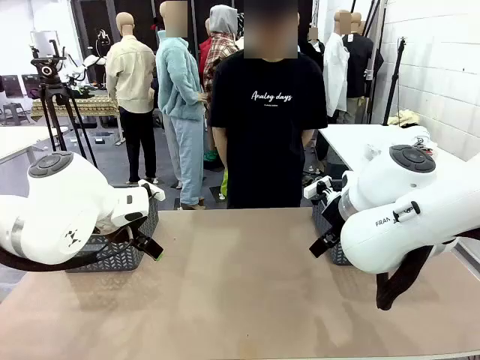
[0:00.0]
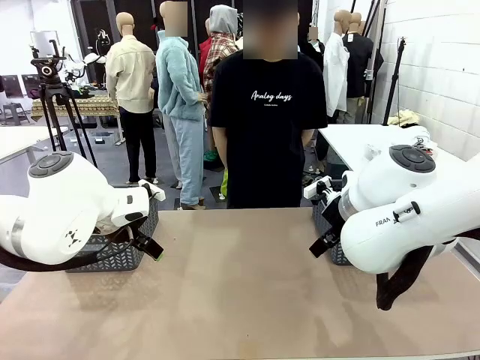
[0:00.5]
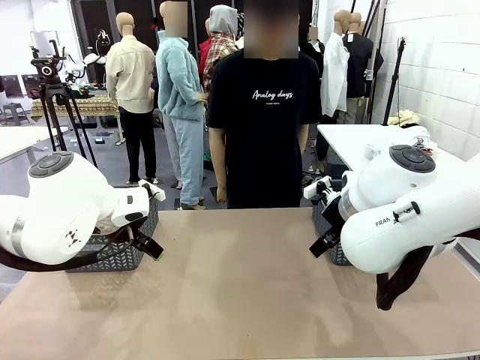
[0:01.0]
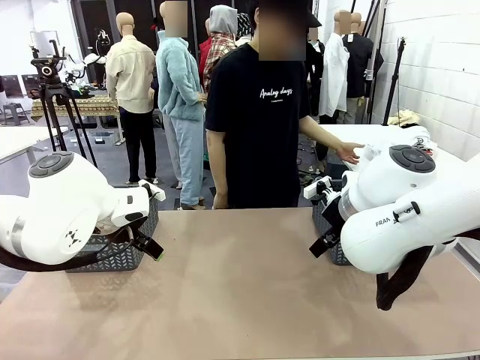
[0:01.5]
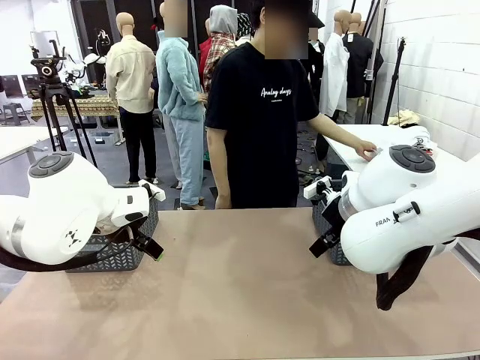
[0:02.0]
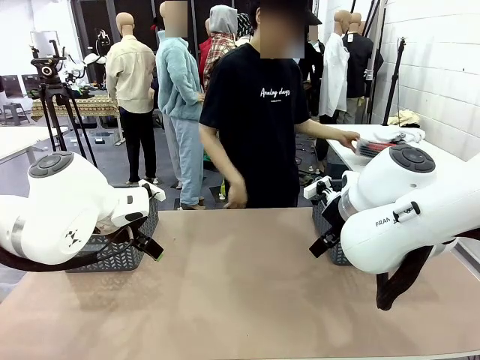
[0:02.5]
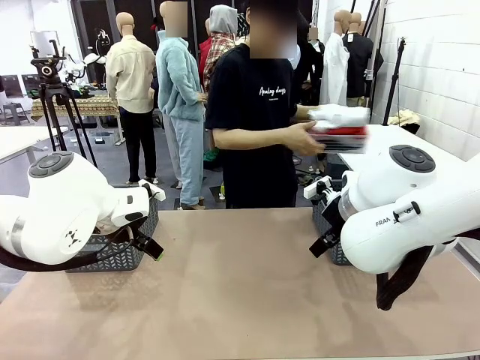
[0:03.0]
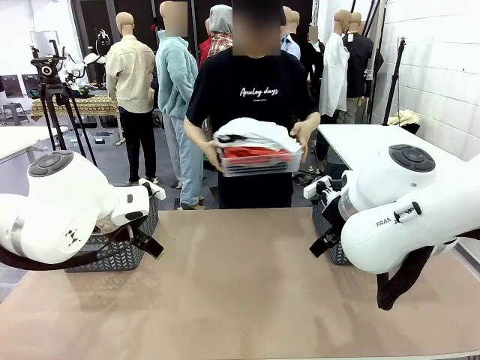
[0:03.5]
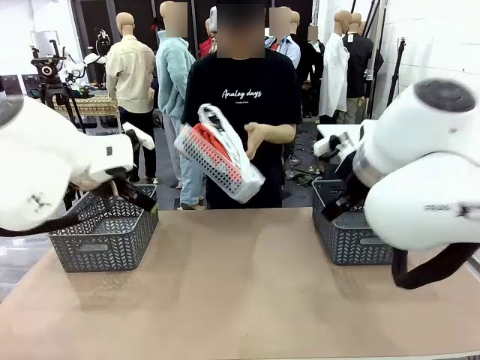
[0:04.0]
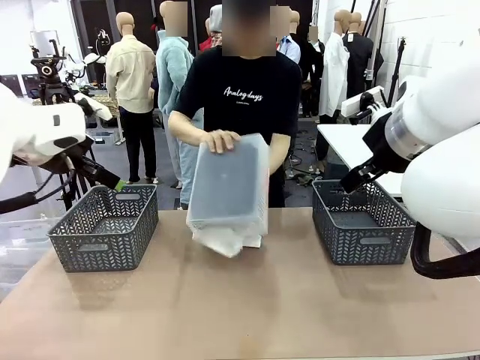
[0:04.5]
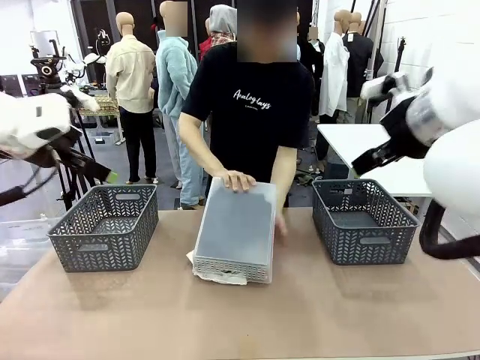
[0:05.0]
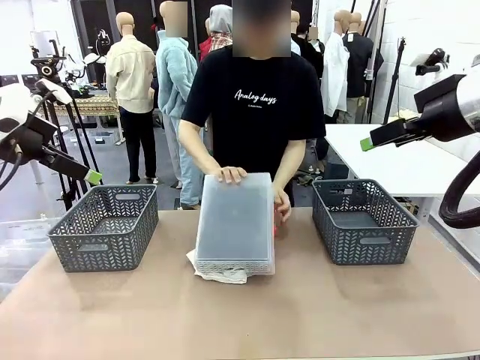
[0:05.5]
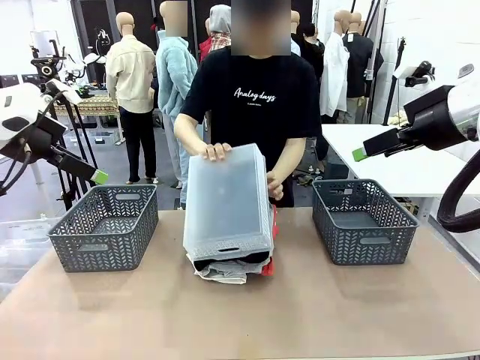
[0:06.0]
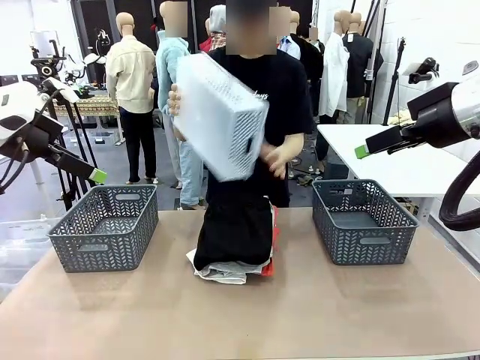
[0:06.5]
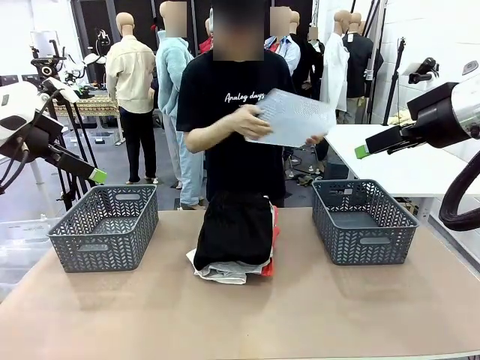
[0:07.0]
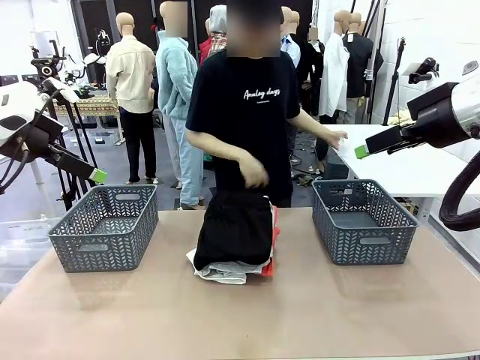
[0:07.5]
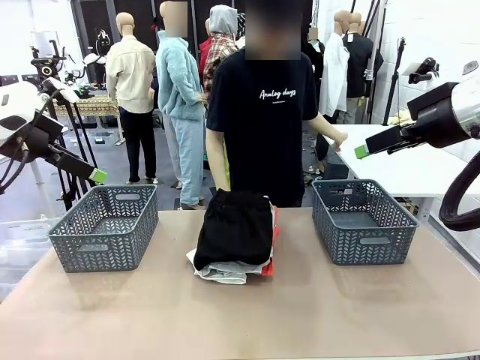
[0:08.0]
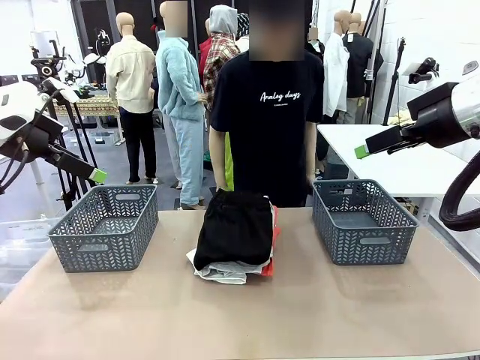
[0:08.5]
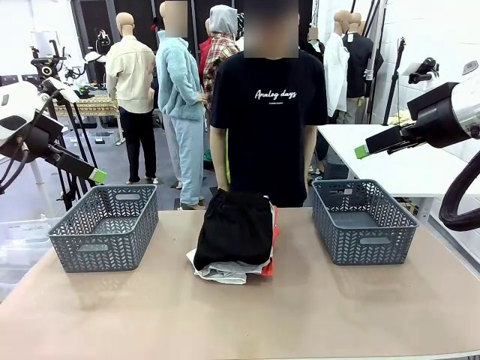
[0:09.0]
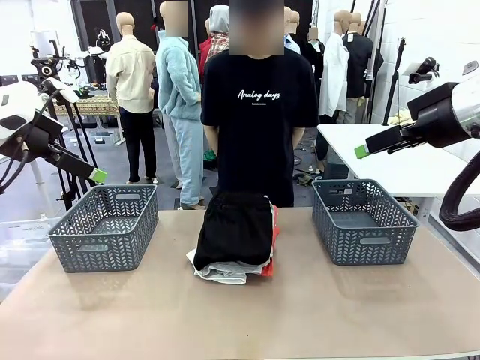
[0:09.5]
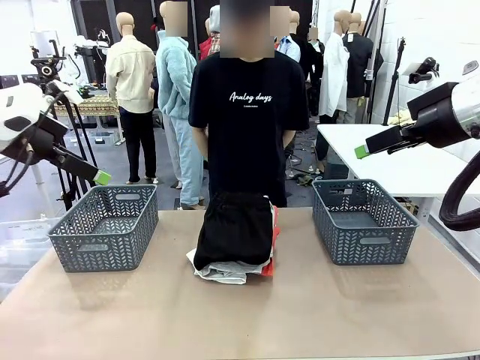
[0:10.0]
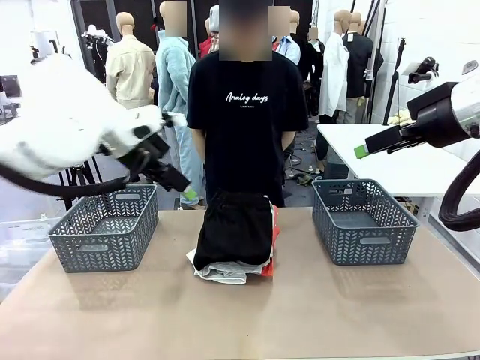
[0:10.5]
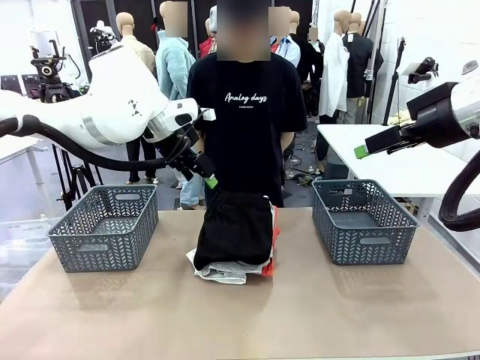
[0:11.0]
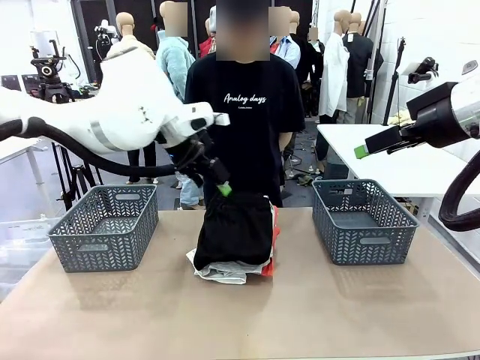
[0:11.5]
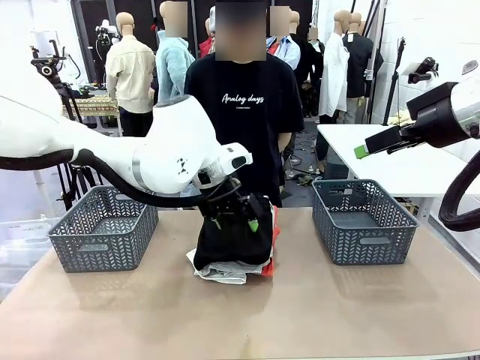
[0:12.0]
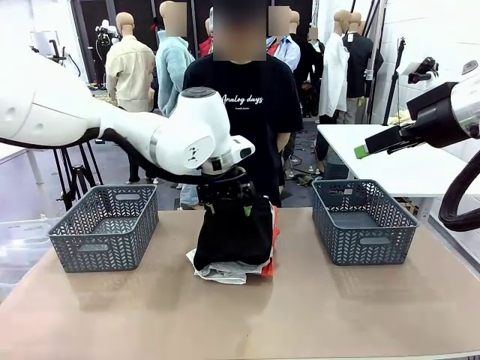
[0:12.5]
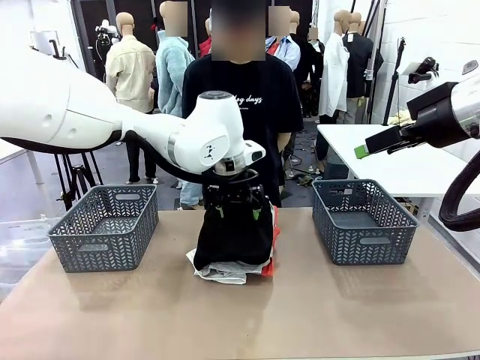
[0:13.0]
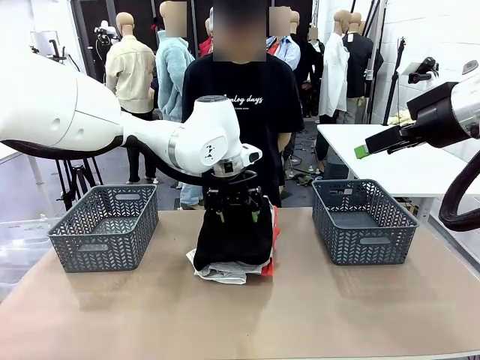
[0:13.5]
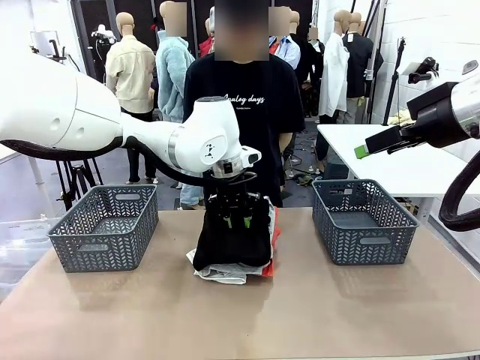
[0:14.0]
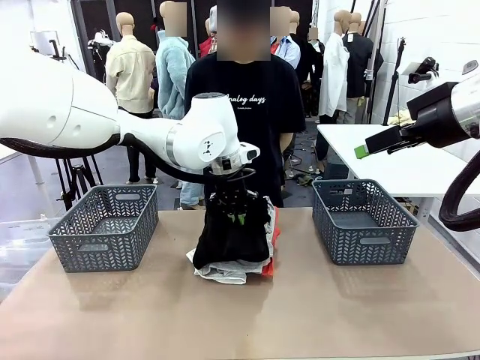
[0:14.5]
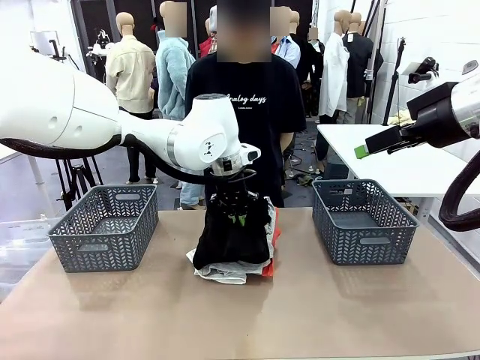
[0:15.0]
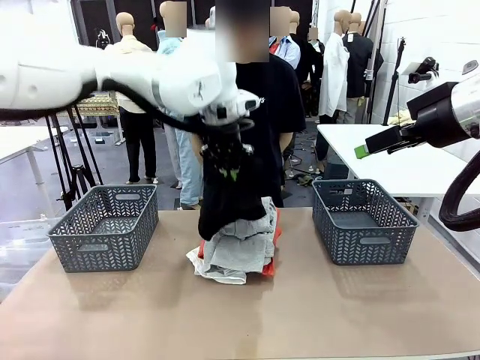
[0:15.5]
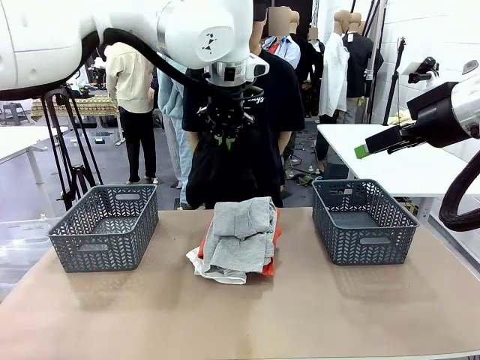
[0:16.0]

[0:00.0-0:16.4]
Task: Sort the tops and bottoms.
Robot: Lift clothes from the center of the table with your left hand.
Person: Pour the clothes from the basket onto the center of the robot table.

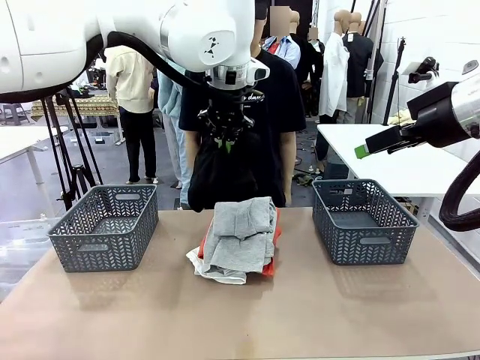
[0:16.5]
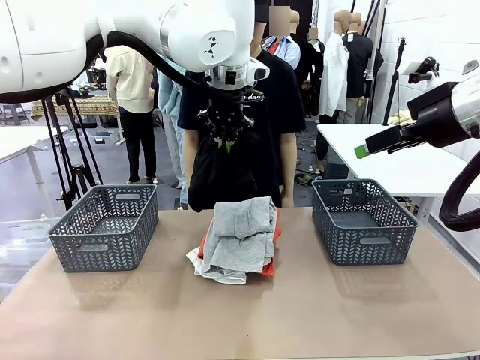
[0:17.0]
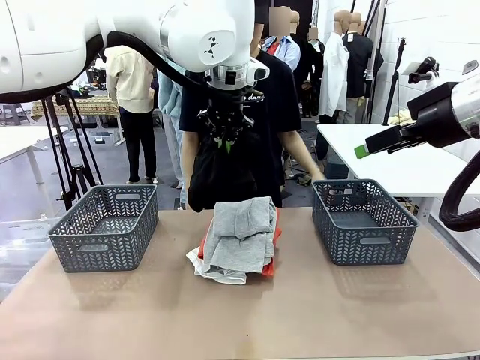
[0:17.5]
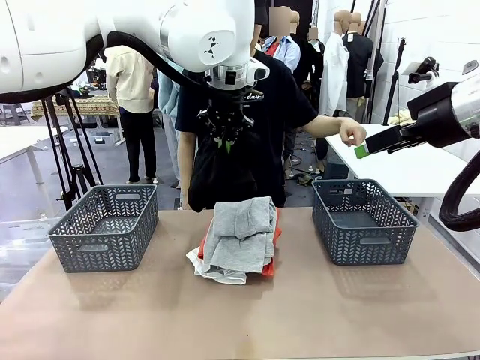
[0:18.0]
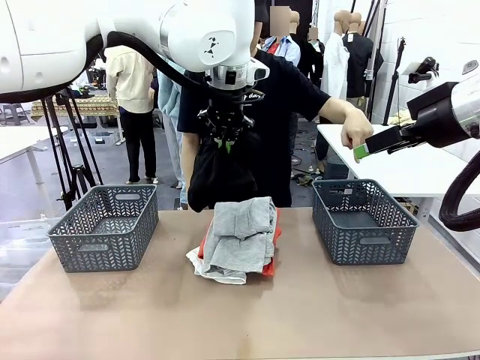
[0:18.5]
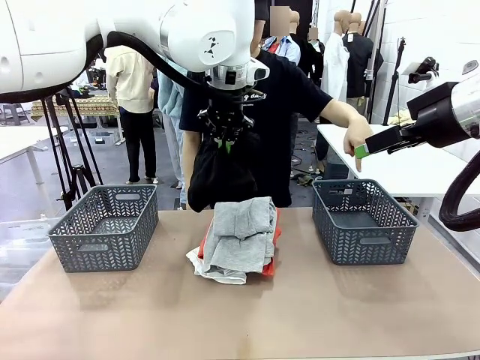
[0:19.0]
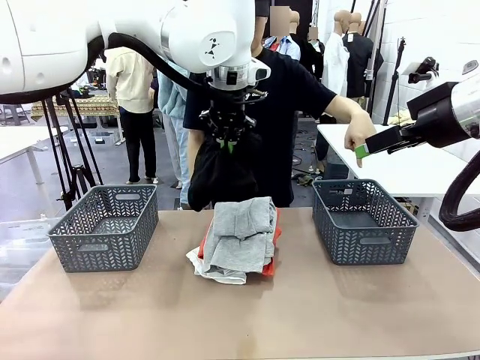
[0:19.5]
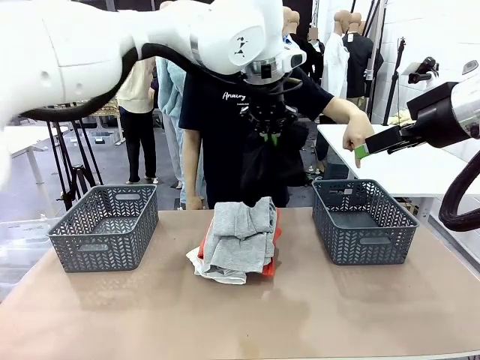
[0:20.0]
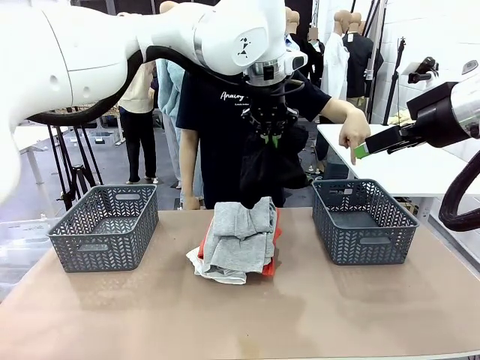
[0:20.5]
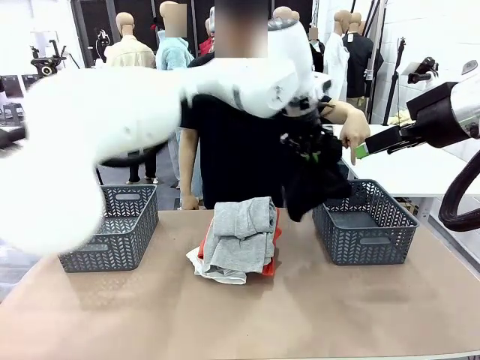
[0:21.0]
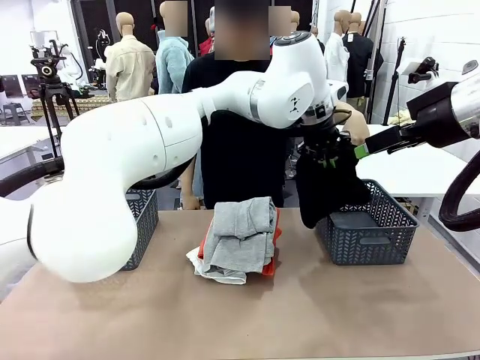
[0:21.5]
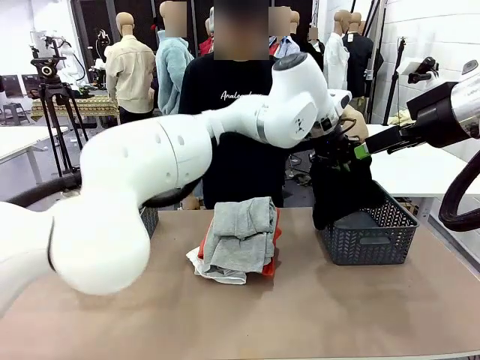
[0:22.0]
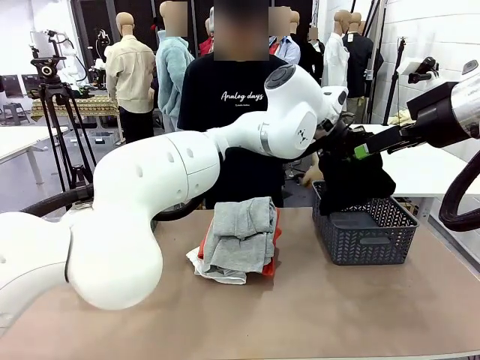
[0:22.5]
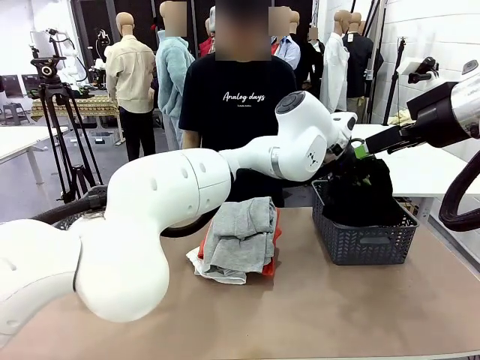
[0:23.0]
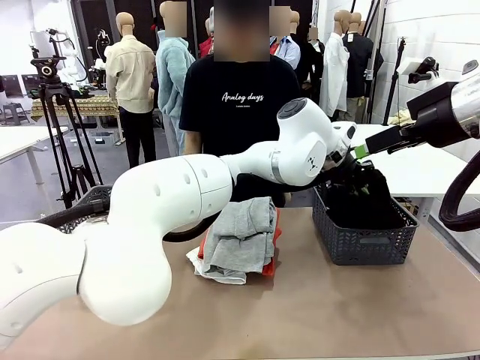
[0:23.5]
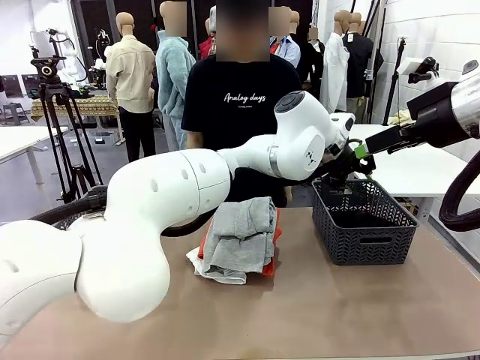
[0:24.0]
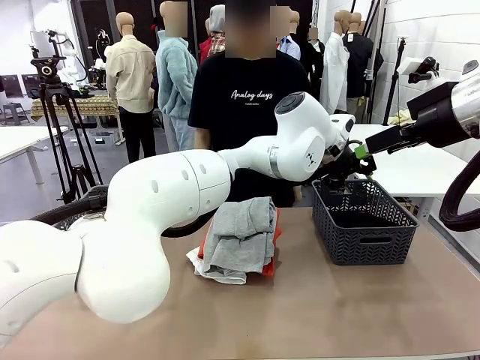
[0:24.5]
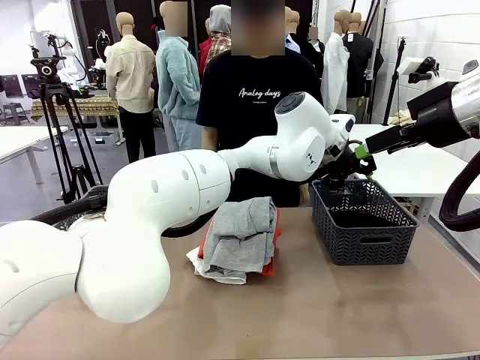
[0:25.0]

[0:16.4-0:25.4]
Robot: Sort the clothes according to human instructions.
